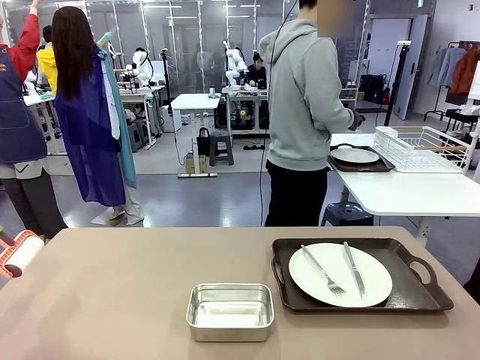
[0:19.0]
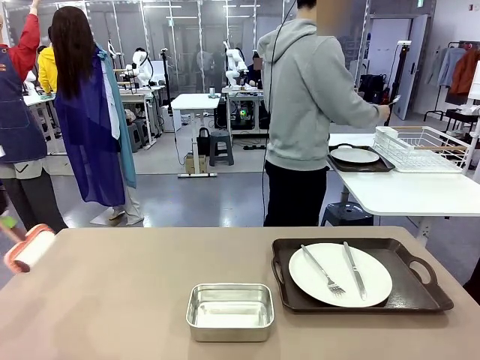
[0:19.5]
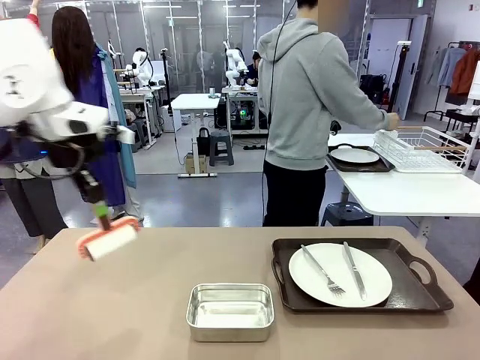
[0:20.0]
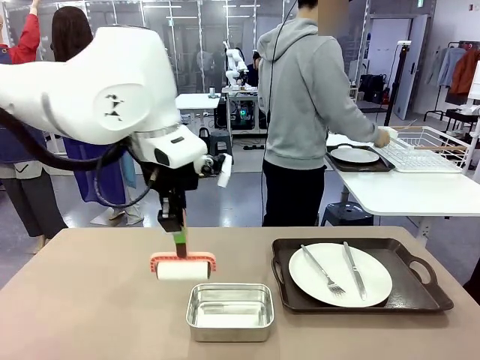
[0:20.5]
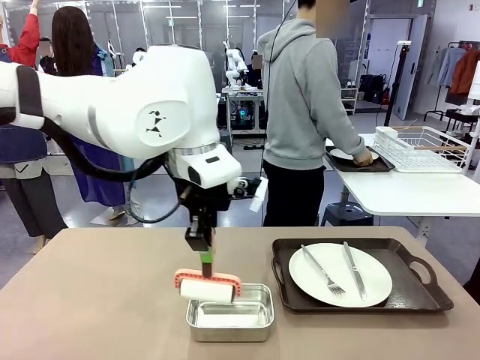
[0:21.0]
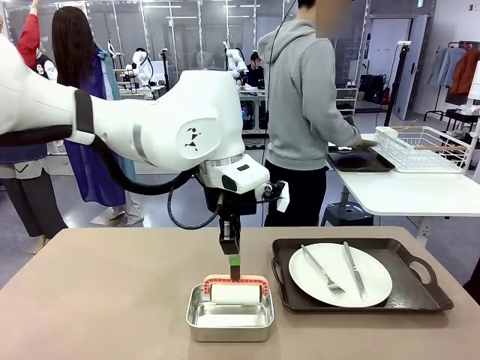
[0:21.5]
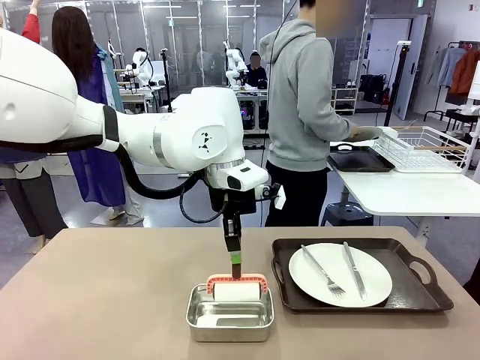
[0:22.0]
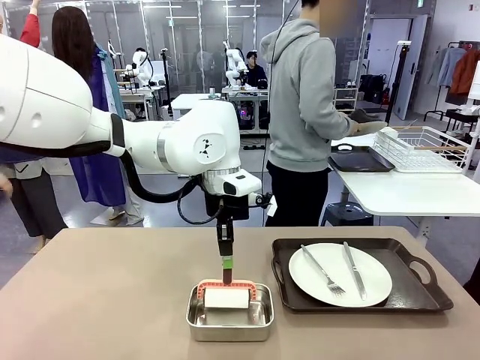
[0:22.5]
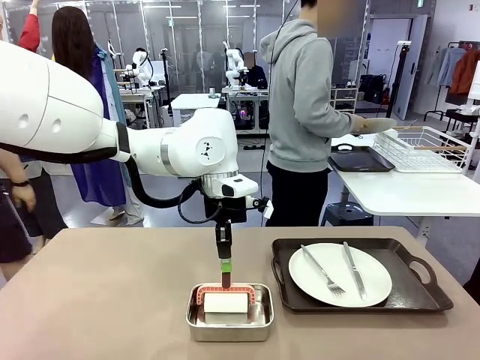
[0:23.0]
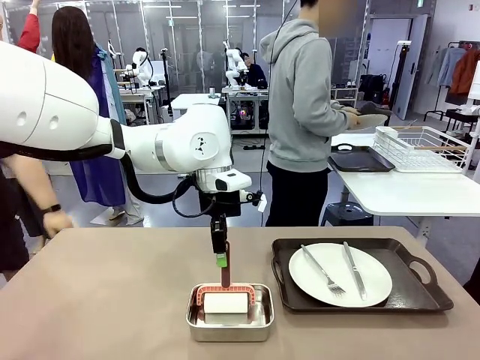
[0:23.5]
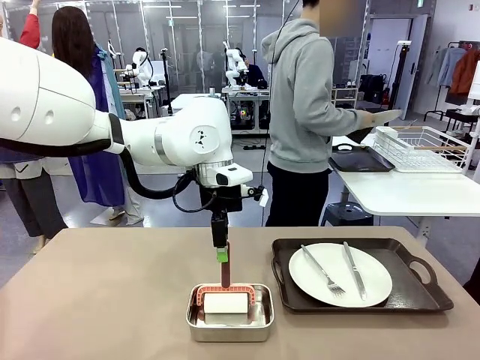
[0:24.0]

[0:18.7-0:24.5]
Robot: Place the Lint Roller back on top of the Airtight Container.

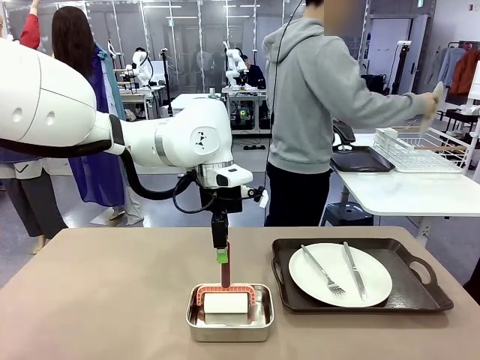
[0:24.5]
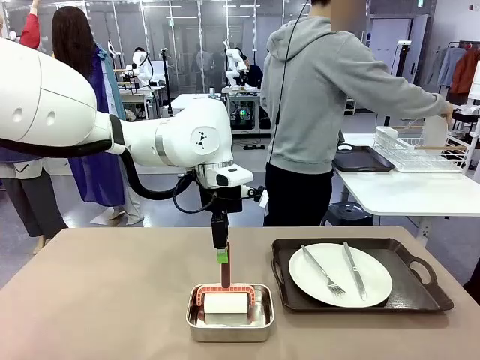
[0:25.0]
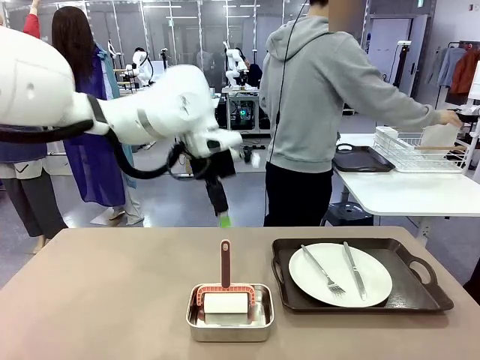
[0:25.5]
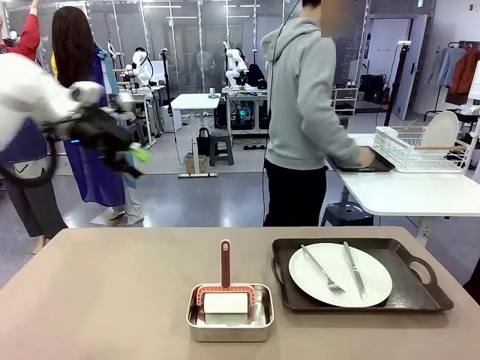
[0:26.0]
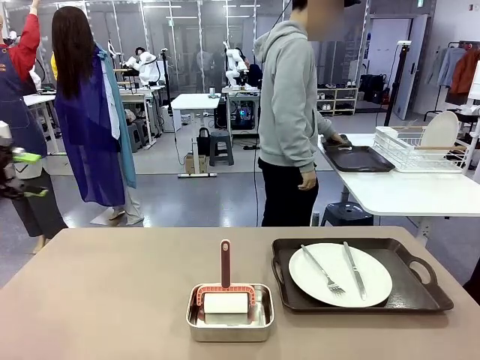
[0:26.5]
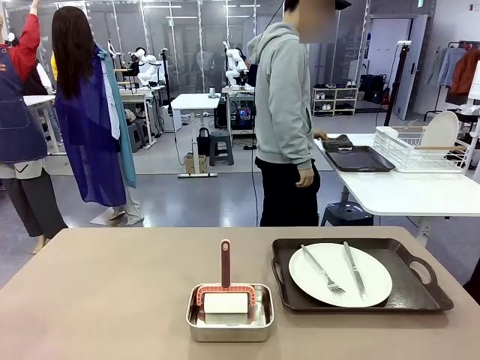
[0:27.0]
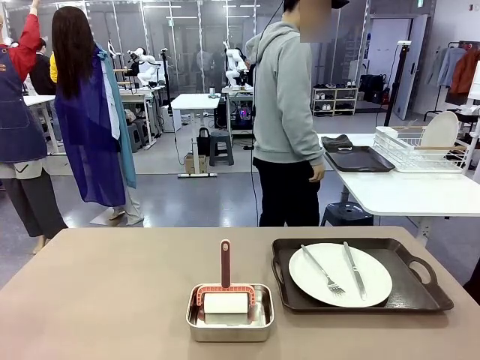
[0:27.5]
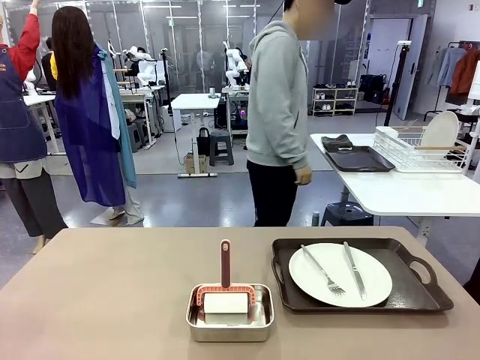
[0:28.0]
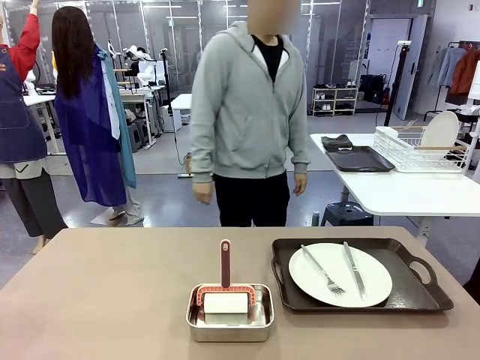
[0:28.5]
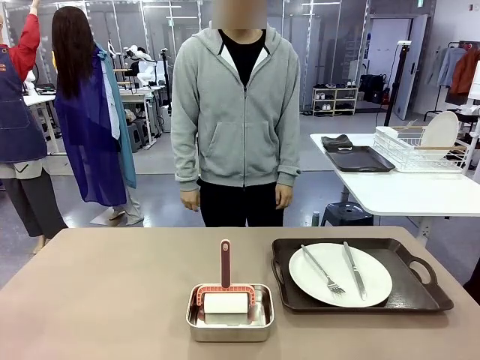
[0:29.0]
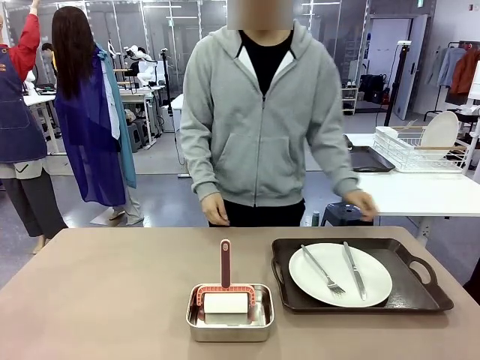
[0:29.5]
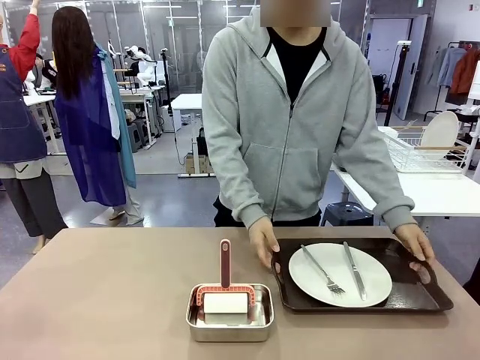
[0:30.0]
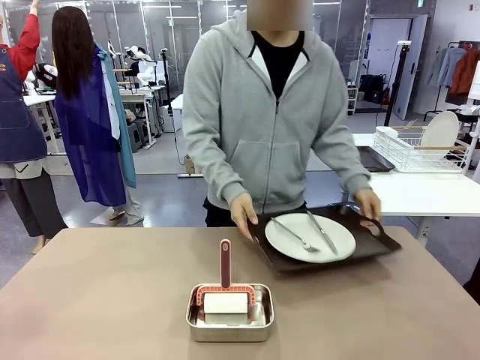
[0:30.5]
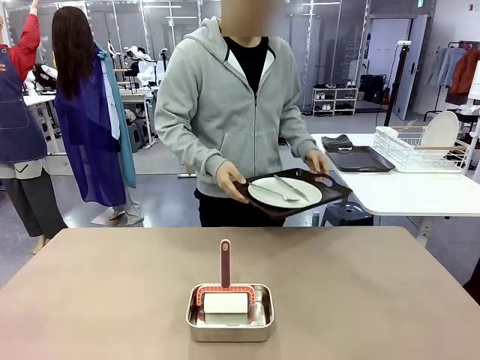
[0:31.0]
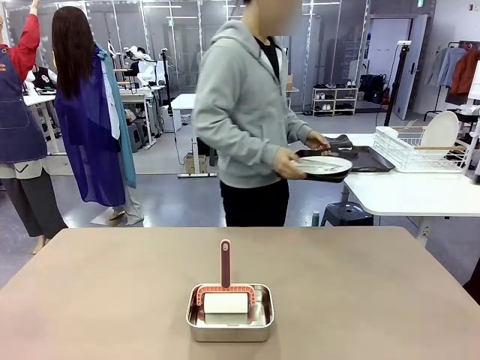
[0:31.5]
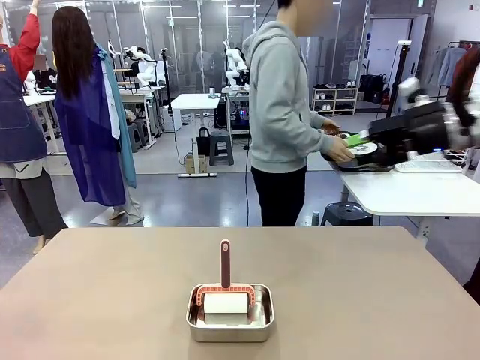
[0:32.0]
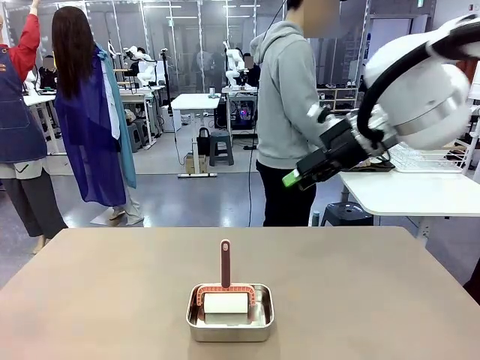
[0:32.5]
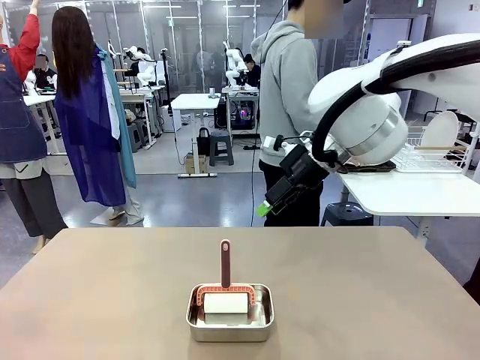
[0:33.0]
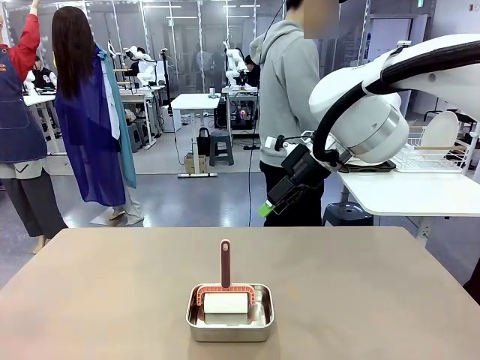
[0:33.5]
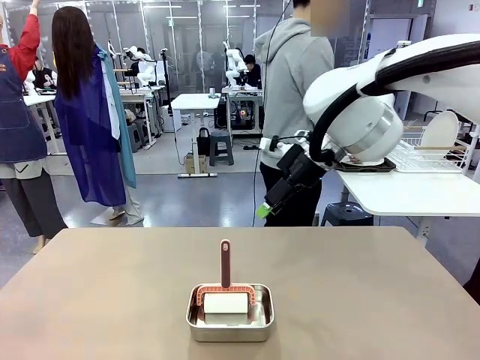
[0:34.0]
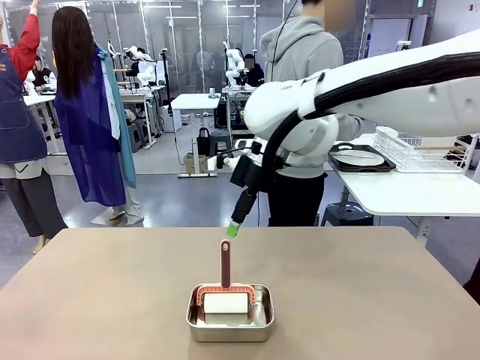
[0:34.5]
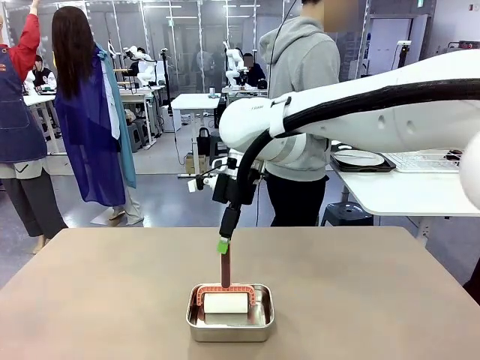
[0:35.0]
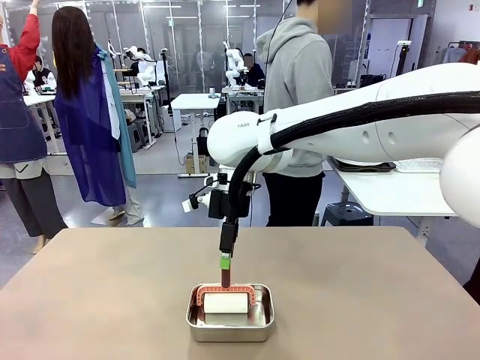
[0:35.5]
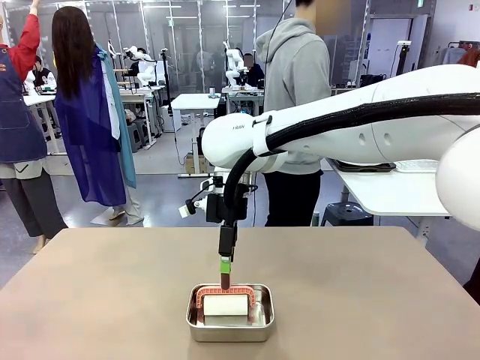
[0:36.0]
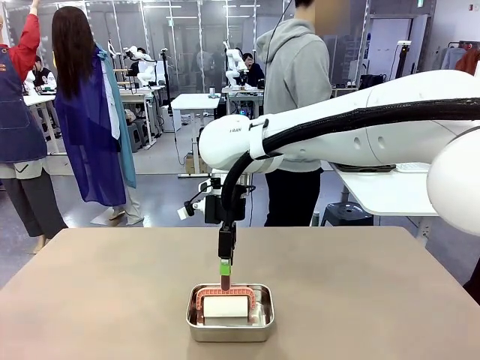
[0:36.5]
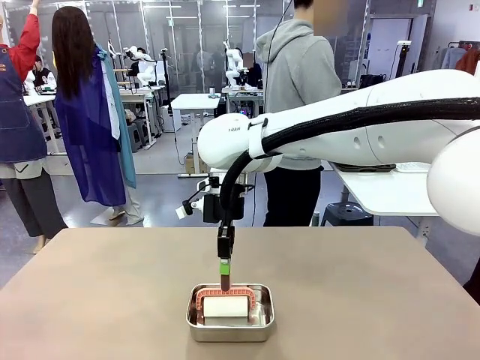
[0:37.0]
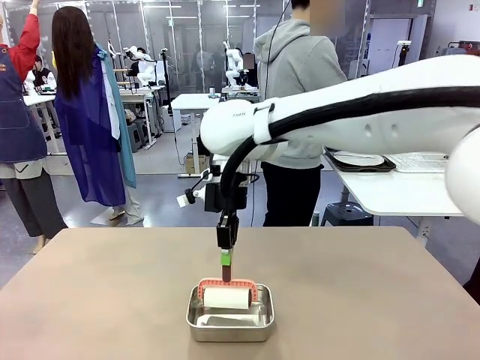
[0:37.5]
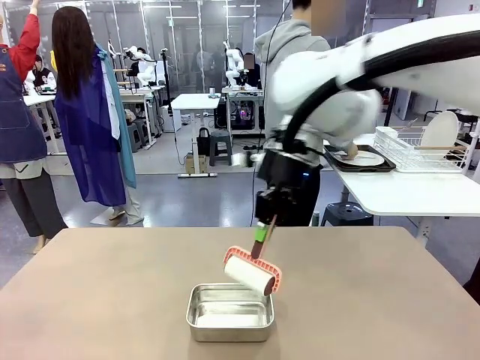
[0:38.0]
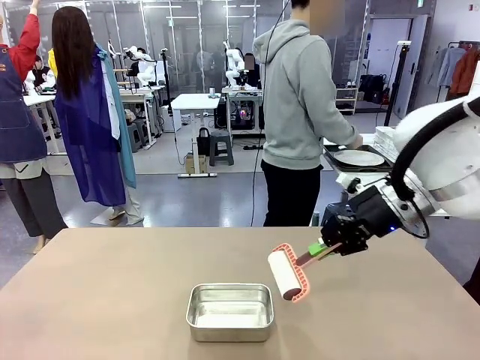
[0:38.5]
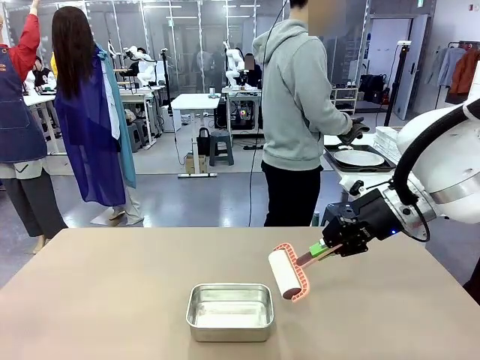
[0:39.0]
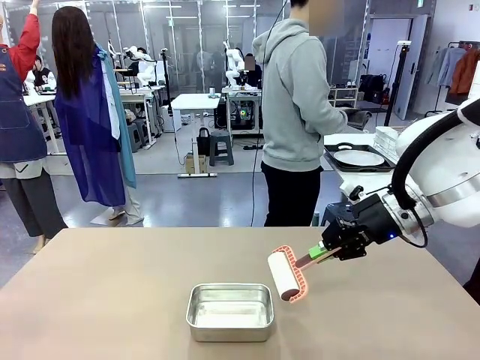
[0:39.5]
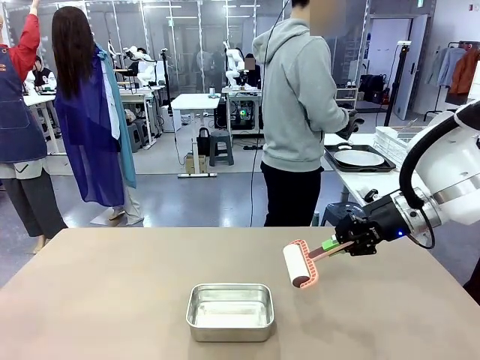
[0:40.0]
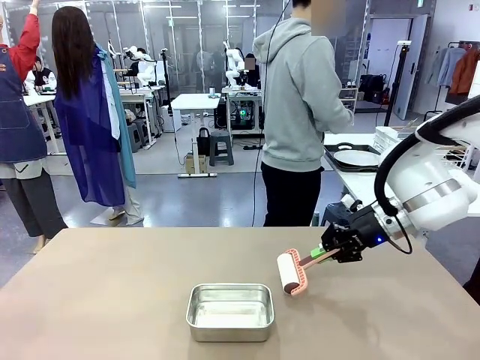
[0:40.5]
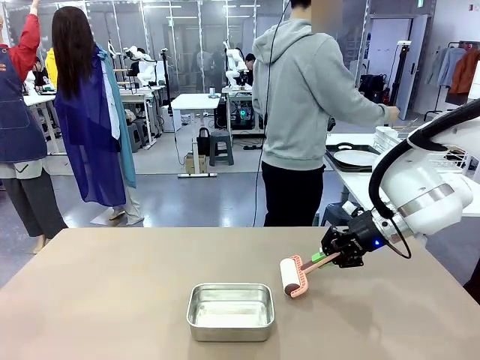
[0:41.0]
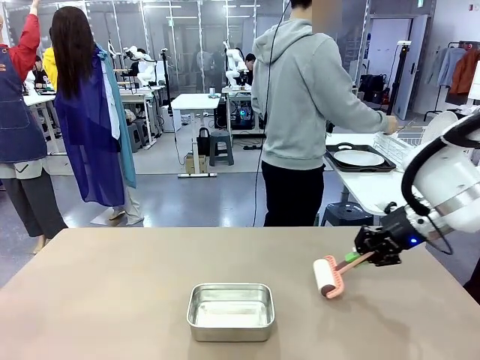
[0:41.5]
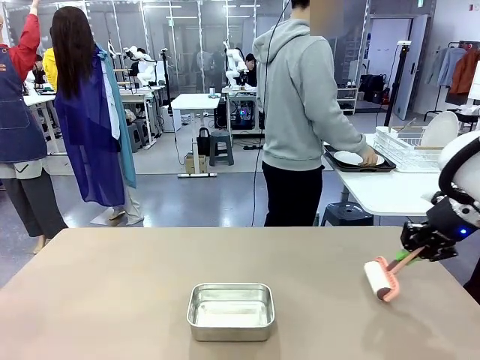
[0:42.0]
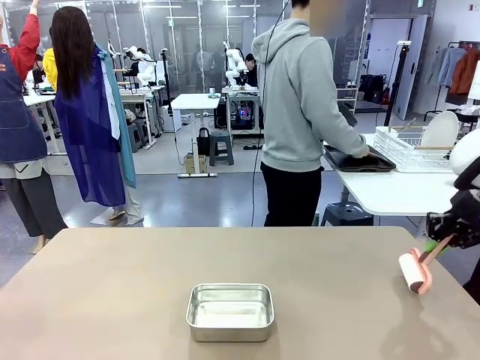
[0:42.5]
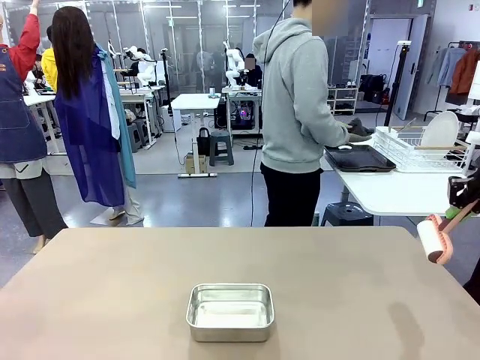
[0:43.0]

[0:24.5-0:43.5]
Robot: When the right (or left) Handle tray is removed, use the right hand (or left hand) to clean the right (or left) side of the table with the Lint Roller.
Person: Pick up the left (or right) Handle tray and place it on the Handle tray. Use the Towel with hook to wipe the Plastic Matte Plate , Fork , and Knife and place into the Dish drying rack.

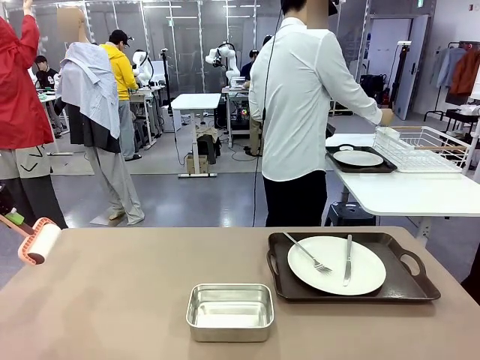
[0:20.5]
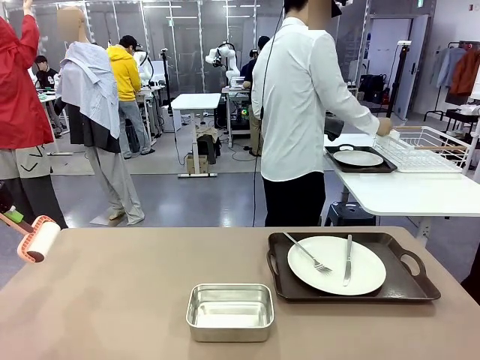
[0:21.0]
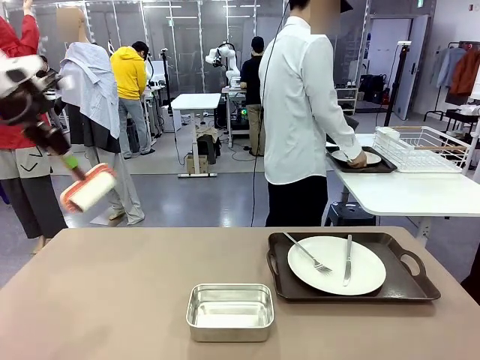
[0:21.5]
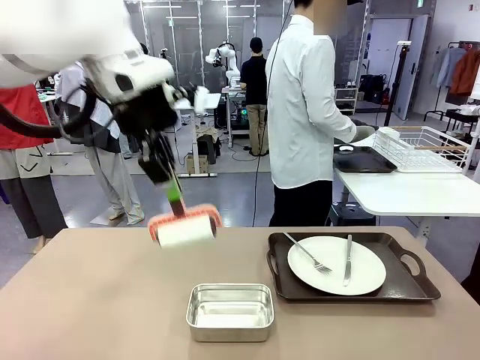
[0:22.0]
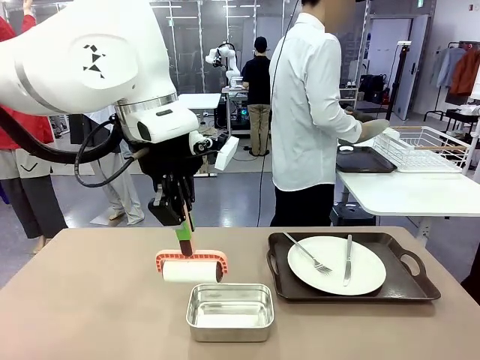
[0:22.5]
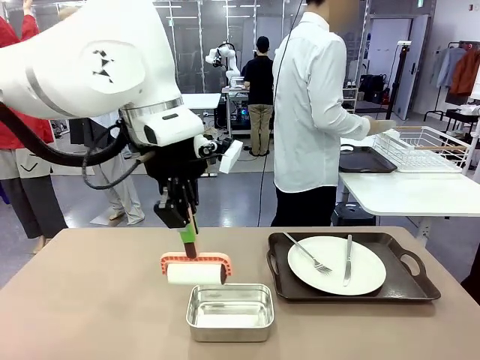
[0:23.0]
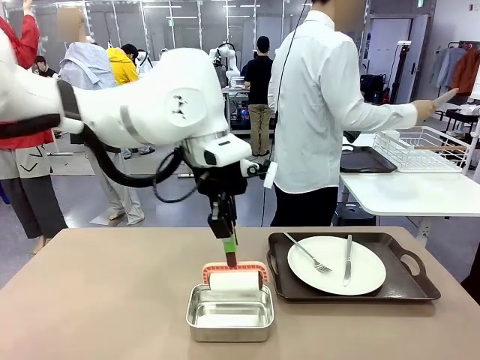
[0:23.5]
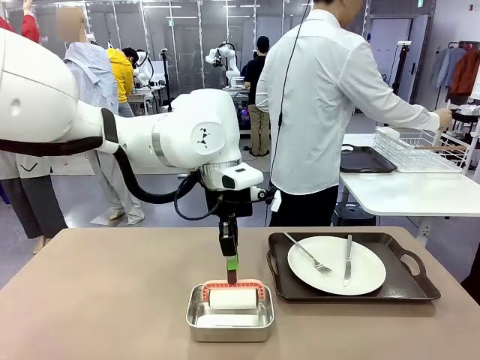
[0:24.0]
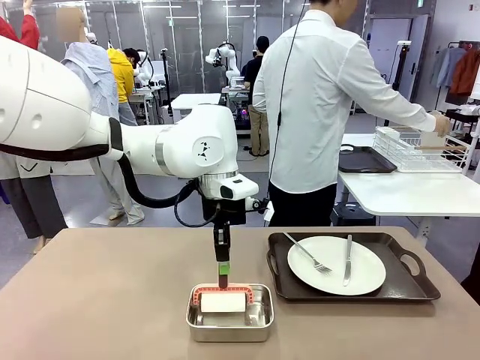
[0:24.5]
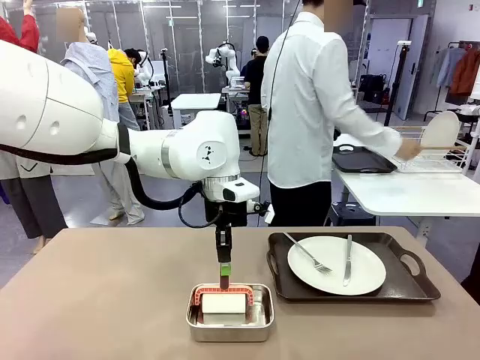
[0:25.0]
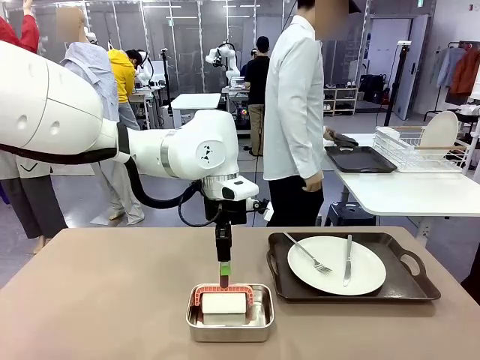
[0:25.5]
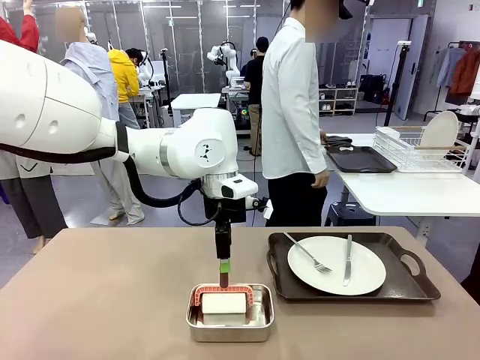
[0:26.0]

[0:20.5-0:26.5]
Robot: Place the Lint Roller back on top of the Airtight Container.
